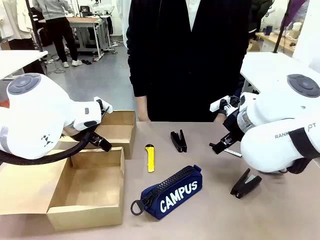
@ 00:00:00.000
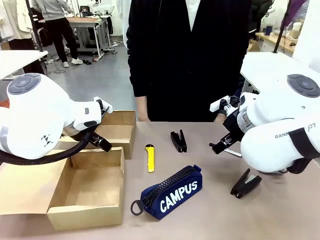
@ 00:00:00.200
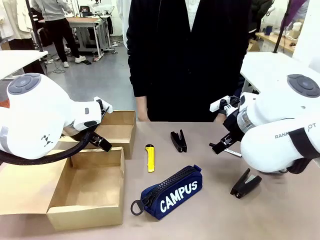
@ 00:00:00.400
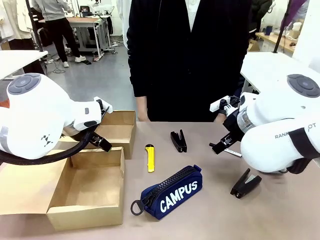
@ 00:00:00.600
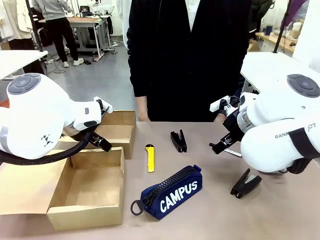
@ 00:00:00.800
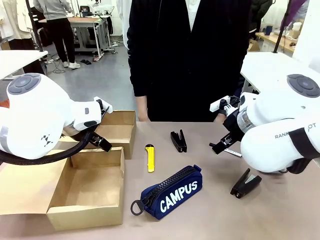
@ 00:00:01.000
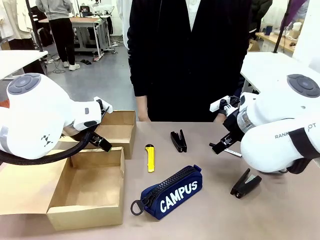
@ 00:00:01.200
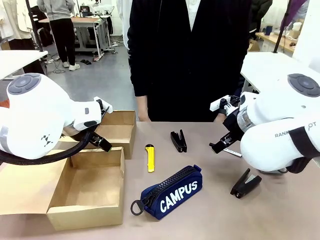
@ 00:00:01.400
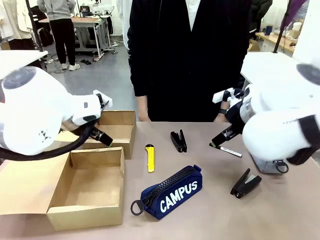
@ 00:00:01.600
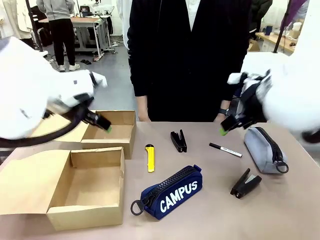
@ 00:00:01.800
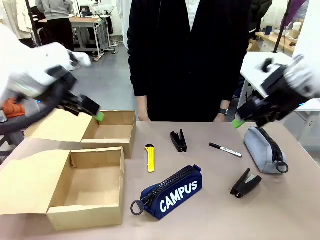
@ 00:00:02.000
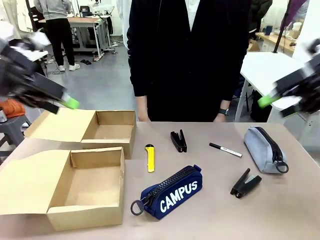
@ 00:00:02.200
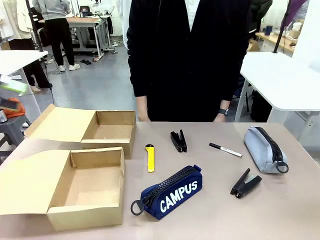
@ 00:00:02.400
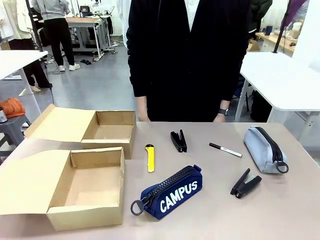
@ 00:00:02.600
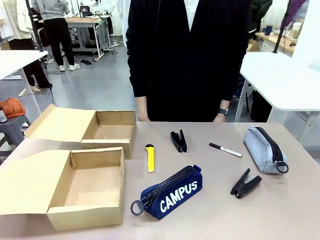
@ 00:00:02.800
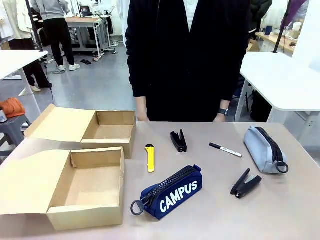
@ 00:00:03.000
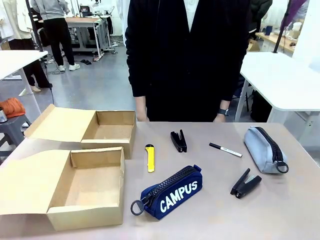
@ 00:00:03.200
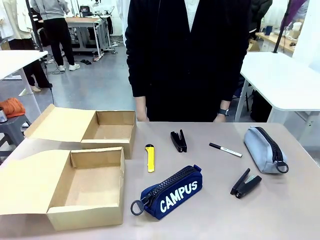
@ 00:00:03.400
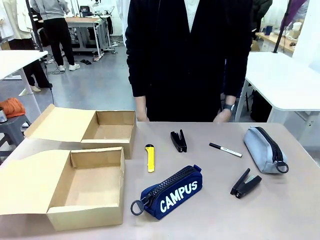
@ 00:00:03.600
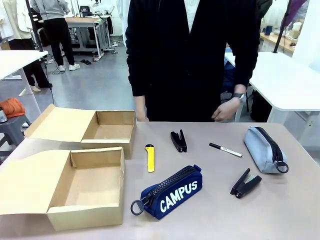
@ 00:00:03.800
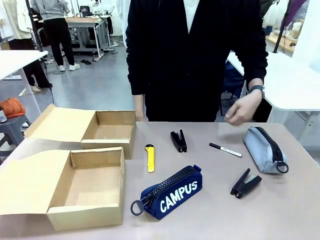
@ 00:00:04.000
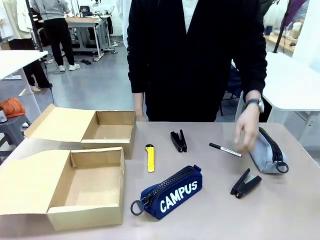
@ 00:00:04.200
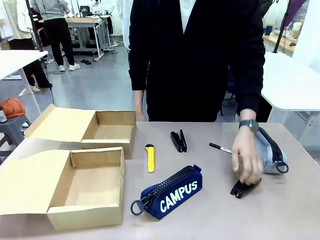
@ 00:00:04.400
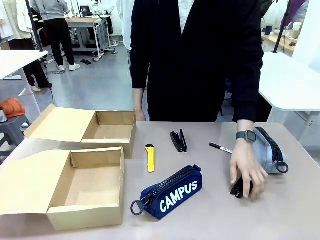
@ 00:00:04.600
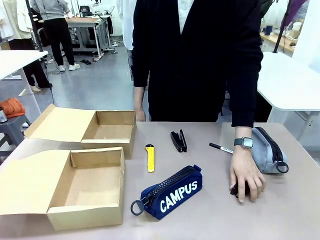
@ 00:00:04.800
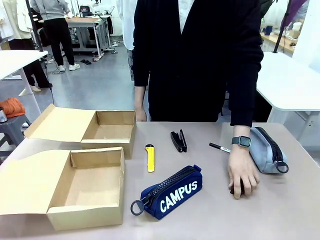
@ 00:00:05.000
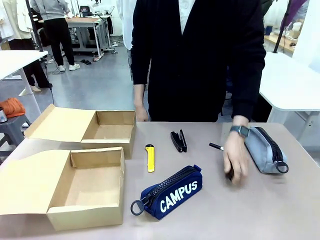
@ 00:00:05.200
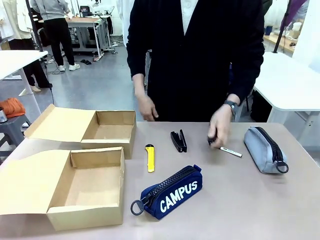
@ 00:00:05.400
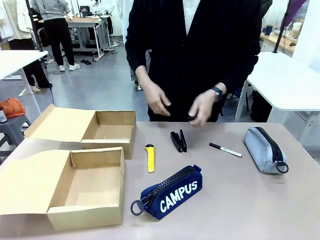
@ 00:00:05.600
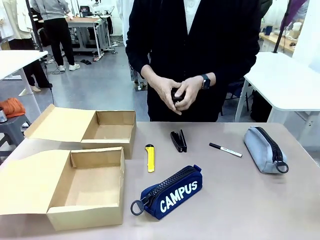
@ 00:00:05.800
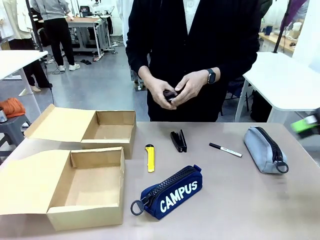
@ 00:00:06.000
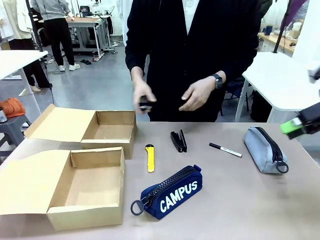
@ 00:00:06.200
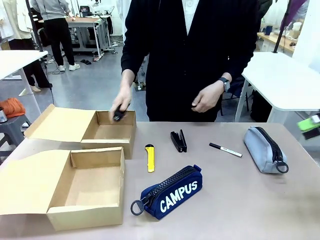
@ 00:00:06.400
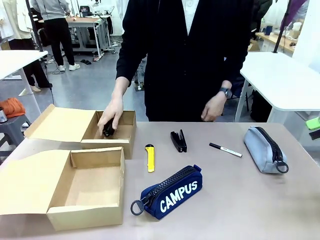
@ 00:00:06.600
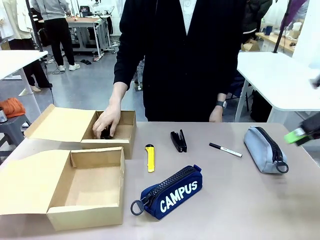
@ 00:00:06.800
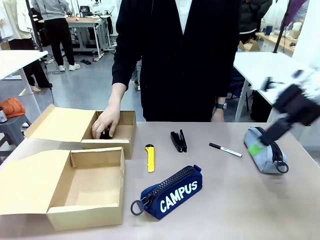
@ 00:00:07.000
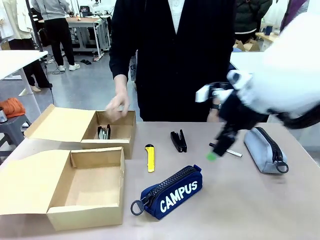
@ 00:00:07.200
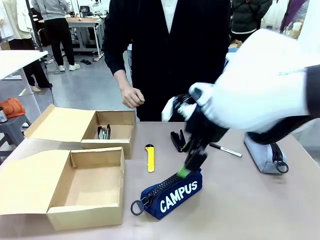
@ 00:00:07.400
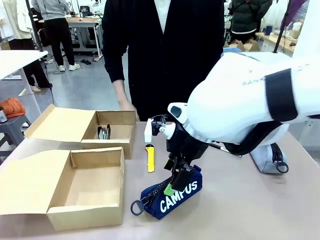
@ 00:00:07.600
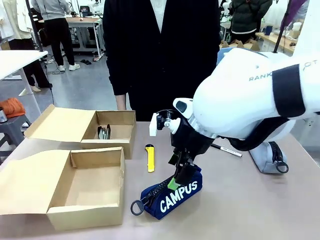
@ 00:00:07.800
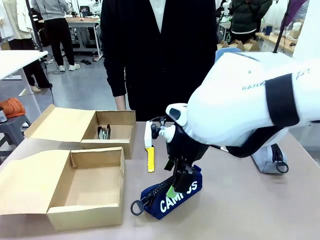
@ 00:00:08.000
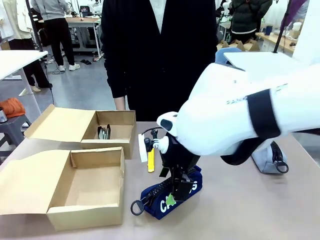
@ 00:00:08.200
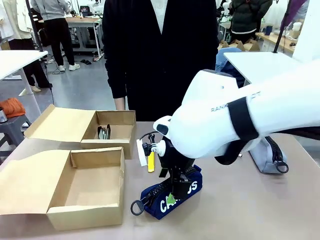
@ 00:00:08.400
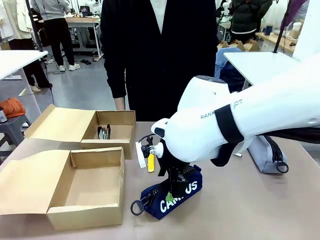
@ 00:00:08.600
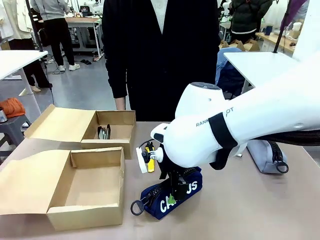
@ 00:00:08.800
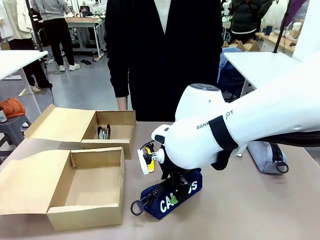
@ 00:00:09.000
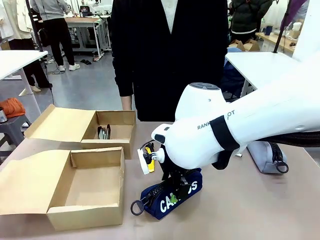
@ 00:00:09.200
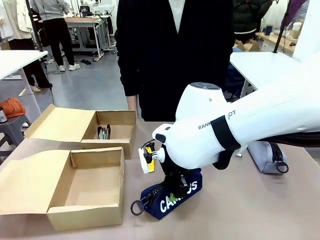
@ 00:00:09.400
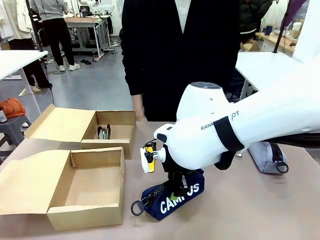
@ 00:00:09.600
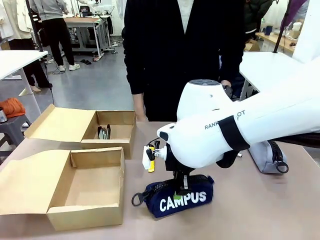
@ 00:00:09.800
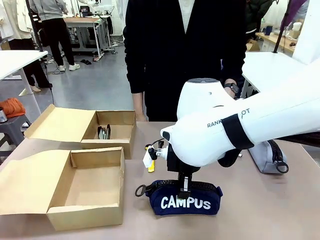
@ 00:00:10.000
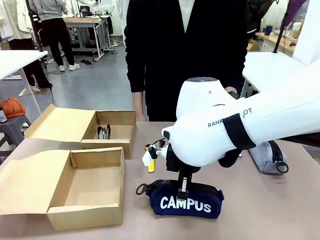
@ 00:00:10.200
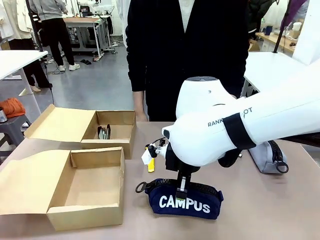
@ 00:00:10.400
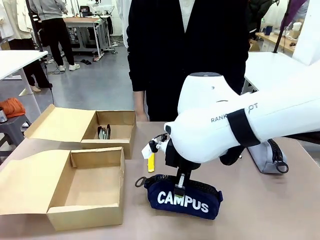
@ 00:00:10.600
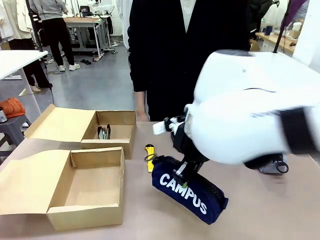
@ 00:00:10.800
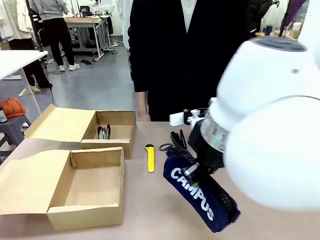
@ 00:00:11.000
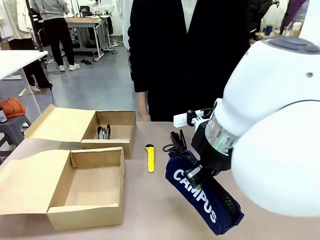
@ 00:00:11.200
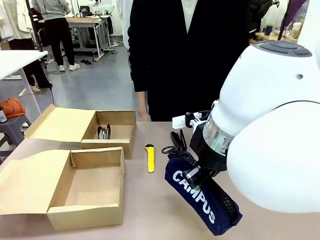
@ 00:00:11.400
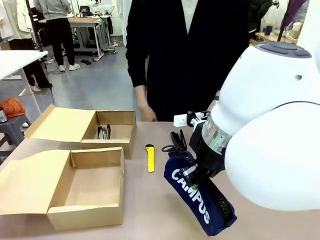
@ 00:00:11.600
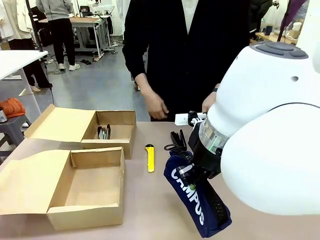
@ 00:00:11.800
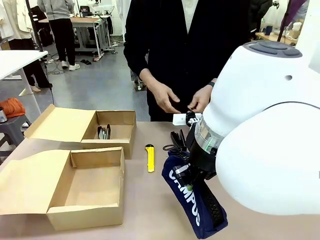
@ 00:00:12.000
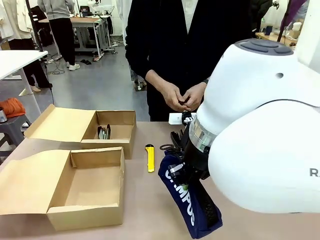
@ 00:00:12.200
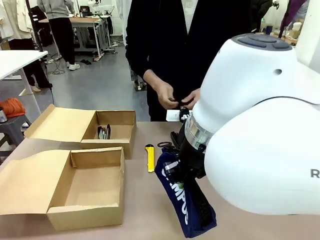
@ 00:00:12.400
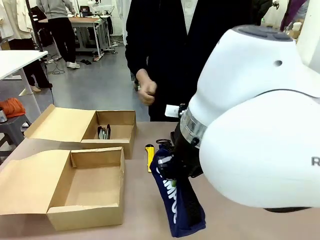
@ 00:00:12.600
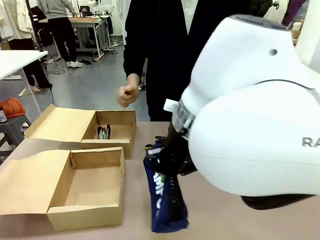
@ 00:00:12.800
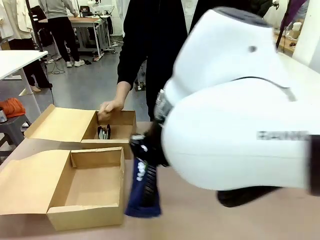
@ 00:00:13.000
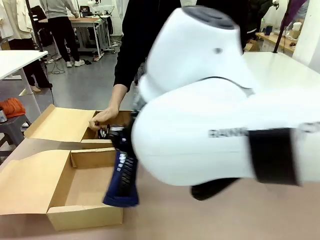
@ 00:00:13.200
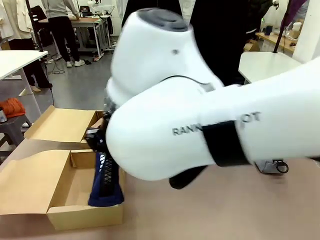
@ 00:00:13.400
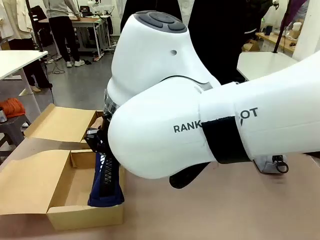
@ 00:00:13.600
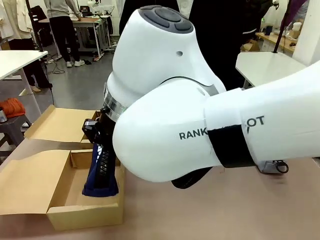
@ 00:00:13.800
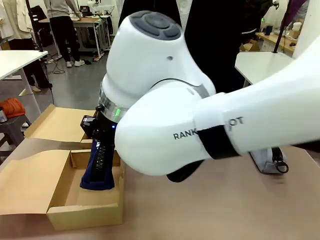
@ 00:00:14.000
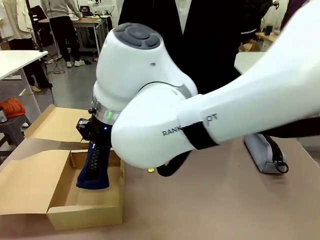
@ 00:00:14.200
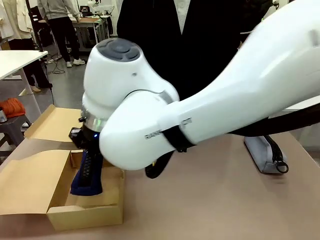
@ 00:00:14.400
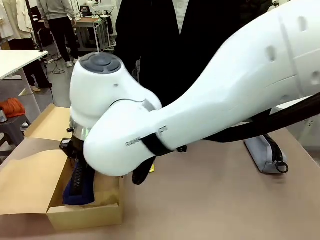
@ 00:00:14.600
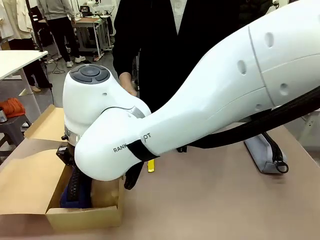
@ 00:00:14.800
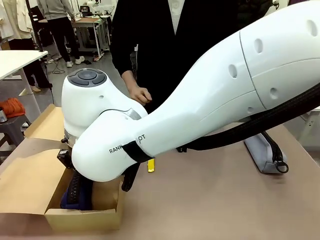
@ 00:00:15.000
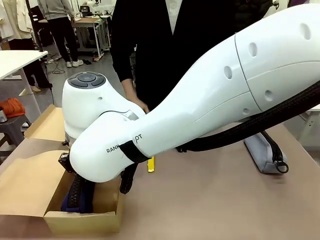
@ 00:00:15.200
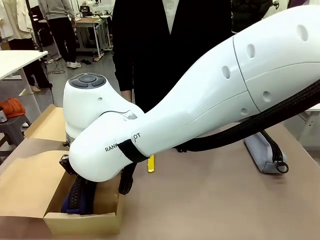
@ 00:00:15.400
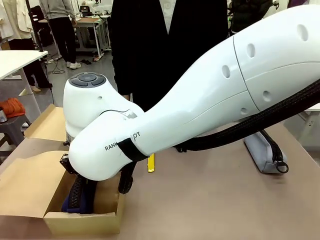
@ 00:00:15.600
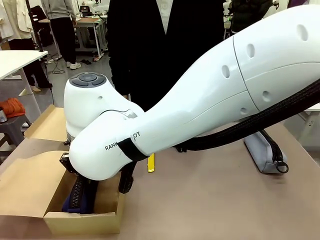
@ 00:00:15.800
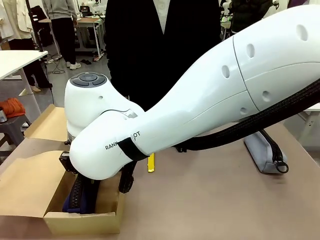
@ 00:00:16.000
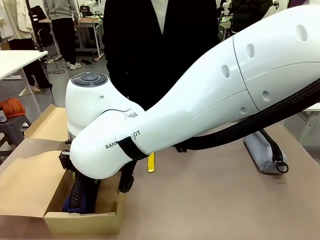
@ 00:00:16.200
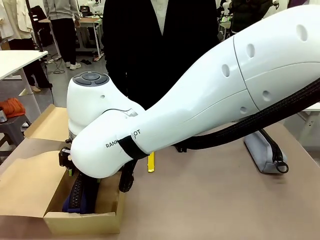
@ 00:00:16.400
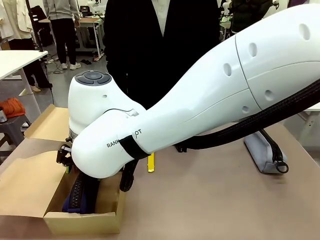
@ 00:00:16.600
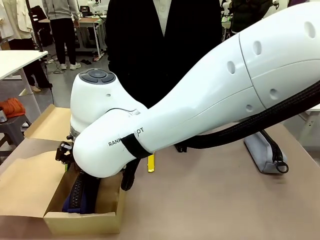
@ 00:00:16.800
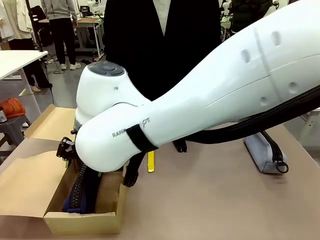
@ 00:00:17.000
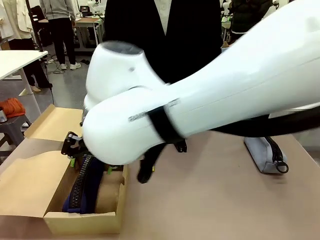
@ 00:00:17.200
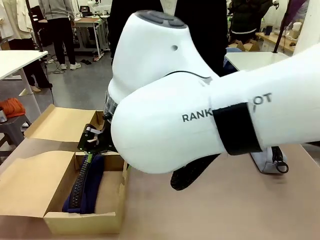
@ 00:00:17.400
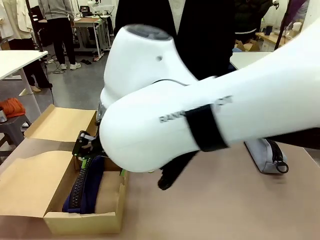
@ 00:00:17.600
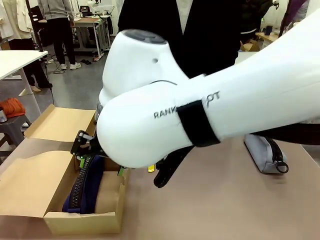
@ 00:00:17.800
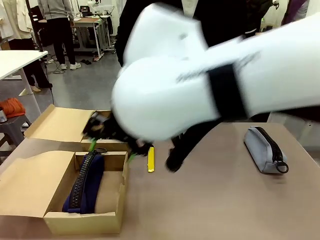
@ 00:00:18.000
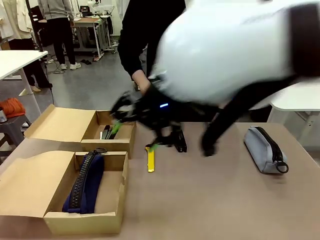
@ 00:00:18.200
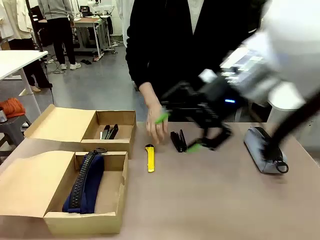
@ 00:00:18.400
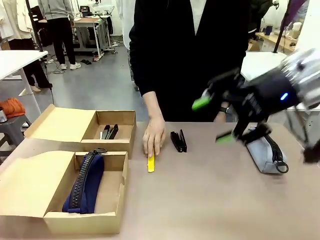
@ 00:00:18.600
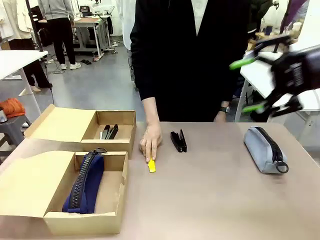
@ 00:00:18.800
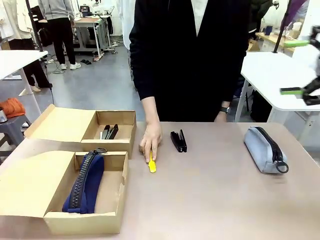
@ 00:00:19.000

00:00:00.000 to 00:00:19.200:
Task: Place items inside the box.
Robot: Pick up a Pencil pouch or Stapler and place it inside the Mailer Box closest to the robot.
Person: Pick up an object on the table and put it in the box.
